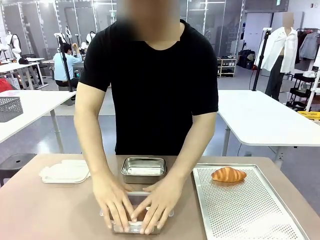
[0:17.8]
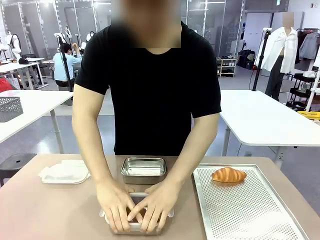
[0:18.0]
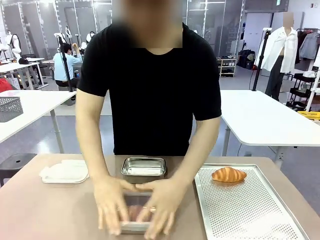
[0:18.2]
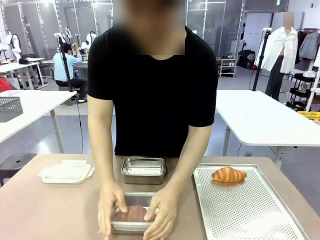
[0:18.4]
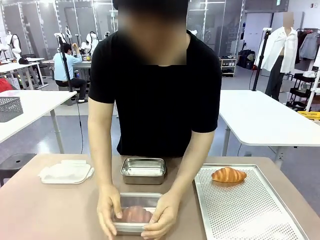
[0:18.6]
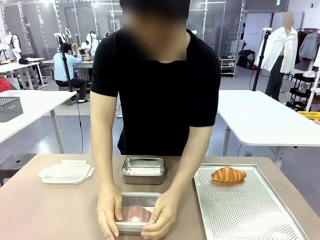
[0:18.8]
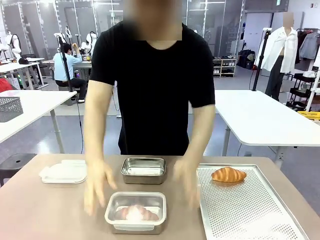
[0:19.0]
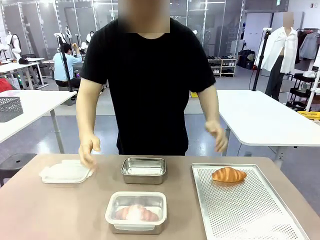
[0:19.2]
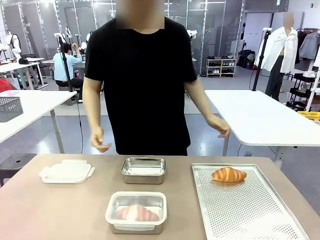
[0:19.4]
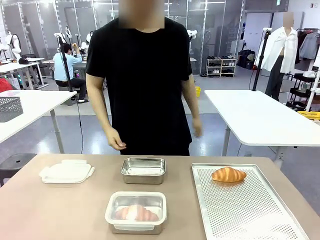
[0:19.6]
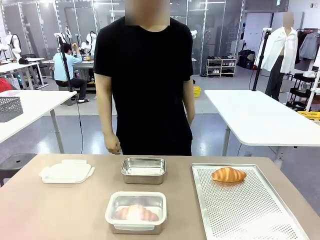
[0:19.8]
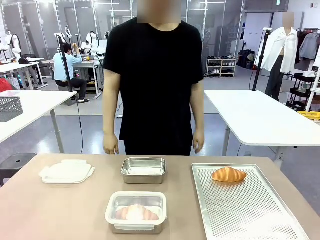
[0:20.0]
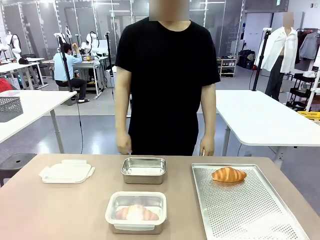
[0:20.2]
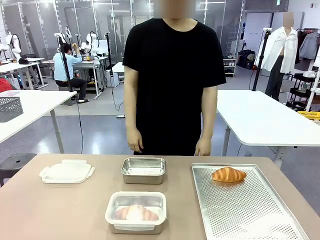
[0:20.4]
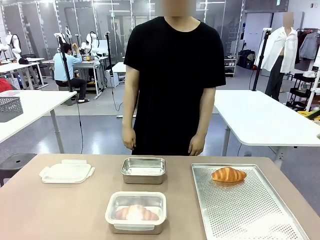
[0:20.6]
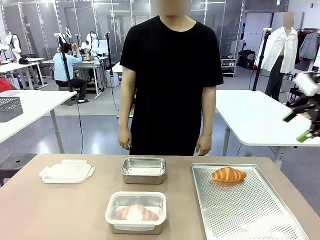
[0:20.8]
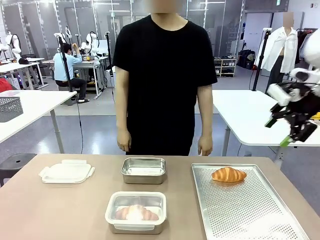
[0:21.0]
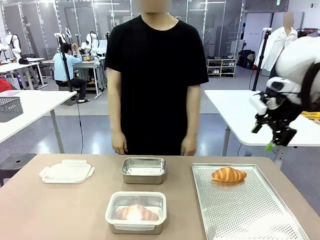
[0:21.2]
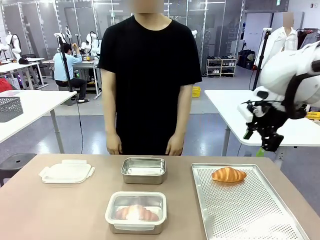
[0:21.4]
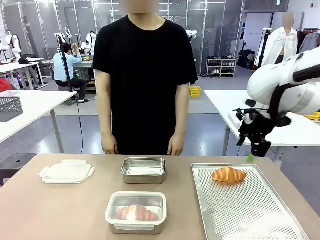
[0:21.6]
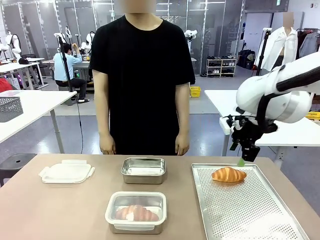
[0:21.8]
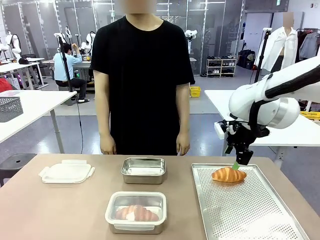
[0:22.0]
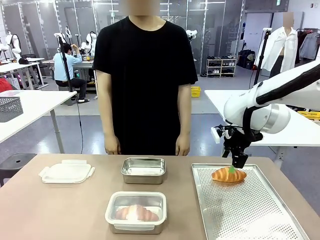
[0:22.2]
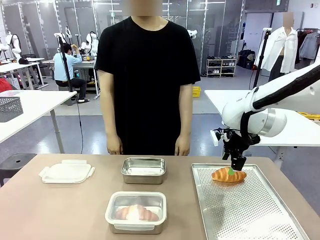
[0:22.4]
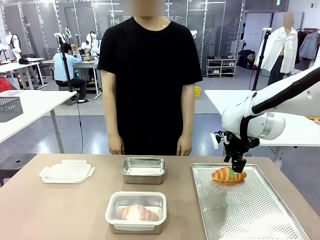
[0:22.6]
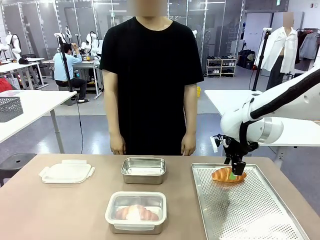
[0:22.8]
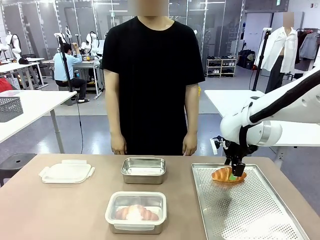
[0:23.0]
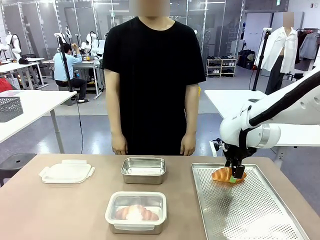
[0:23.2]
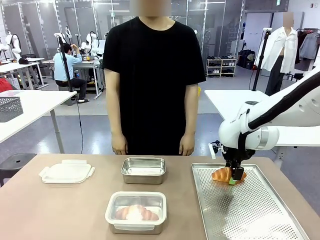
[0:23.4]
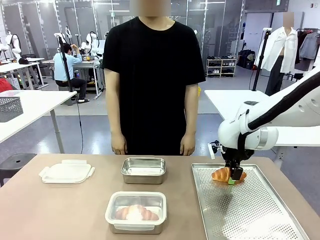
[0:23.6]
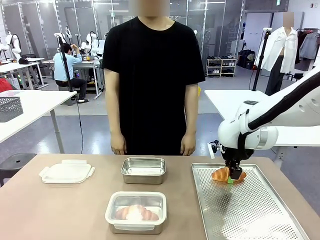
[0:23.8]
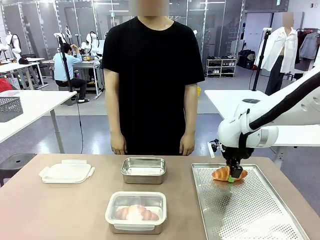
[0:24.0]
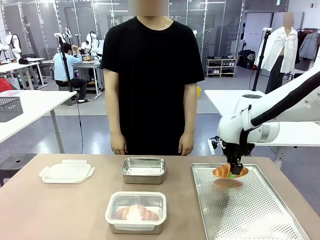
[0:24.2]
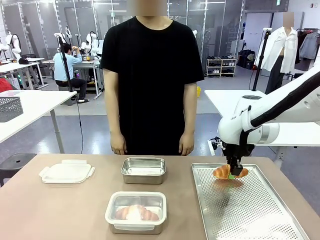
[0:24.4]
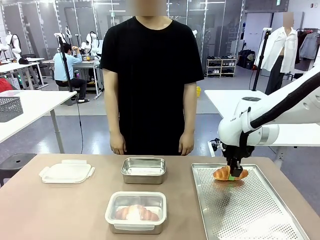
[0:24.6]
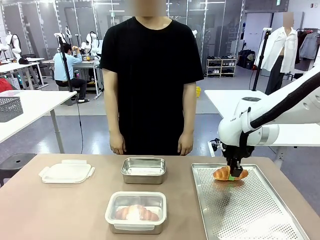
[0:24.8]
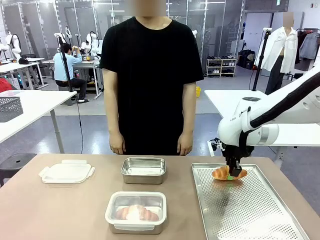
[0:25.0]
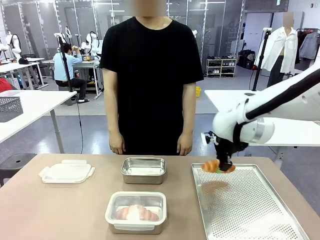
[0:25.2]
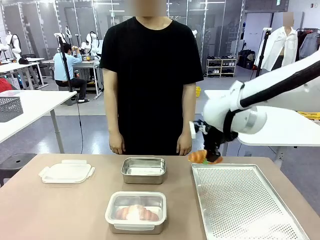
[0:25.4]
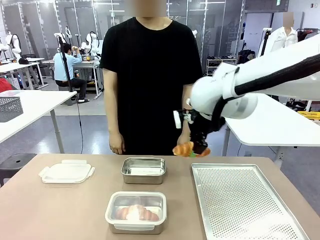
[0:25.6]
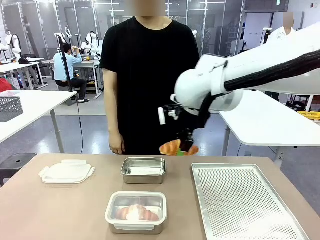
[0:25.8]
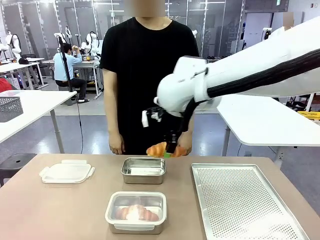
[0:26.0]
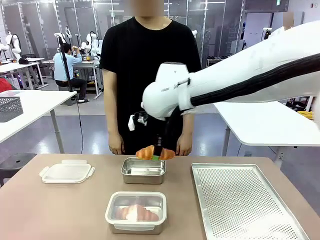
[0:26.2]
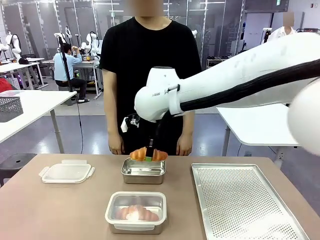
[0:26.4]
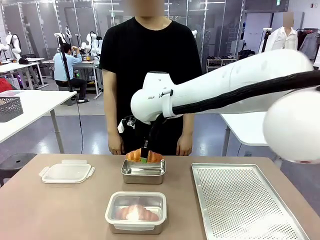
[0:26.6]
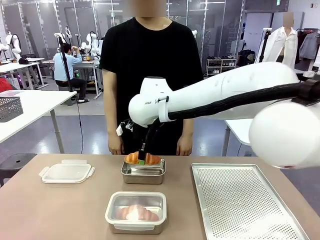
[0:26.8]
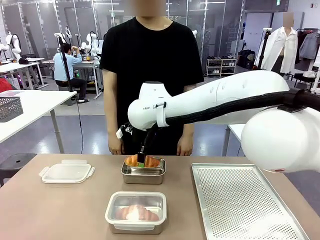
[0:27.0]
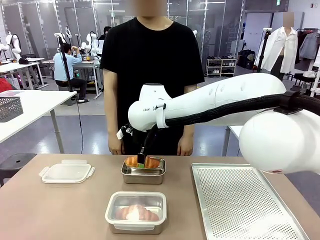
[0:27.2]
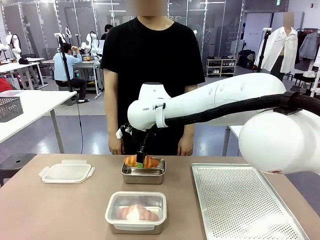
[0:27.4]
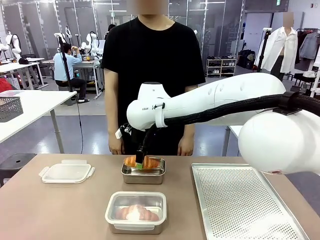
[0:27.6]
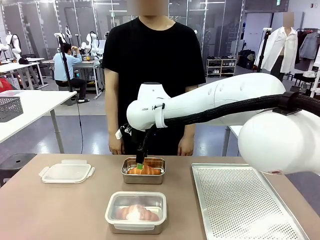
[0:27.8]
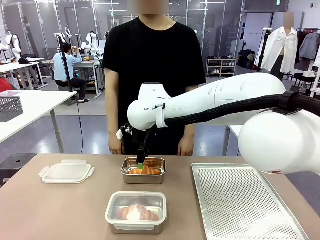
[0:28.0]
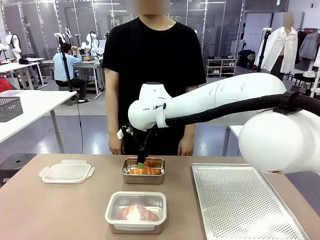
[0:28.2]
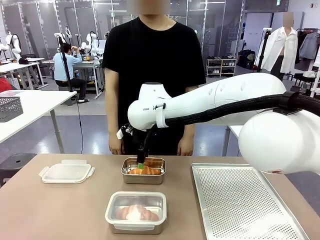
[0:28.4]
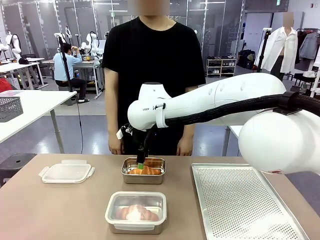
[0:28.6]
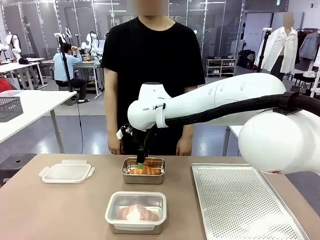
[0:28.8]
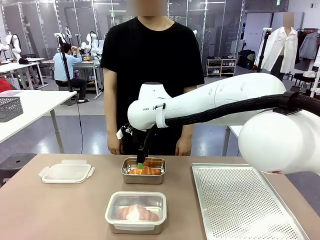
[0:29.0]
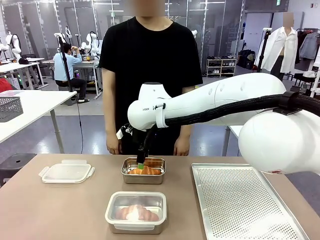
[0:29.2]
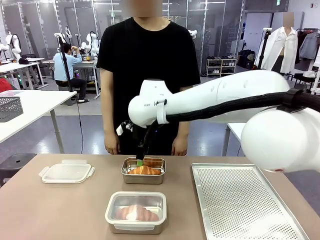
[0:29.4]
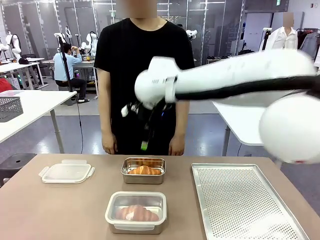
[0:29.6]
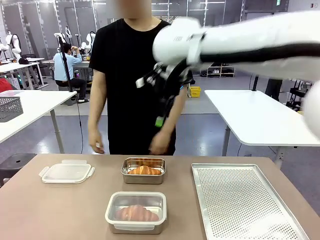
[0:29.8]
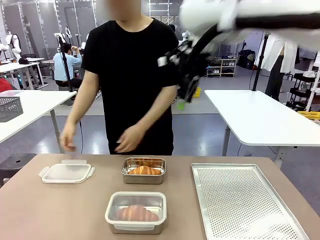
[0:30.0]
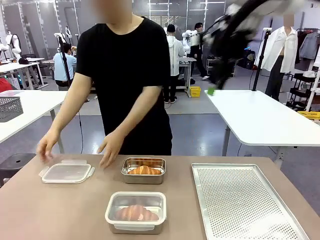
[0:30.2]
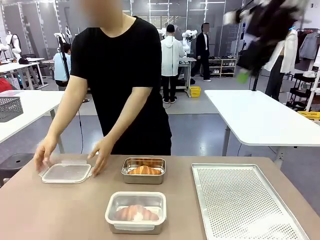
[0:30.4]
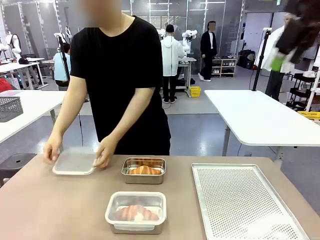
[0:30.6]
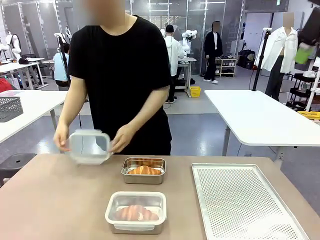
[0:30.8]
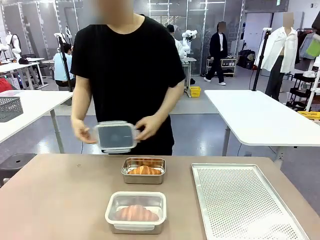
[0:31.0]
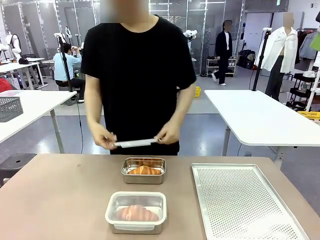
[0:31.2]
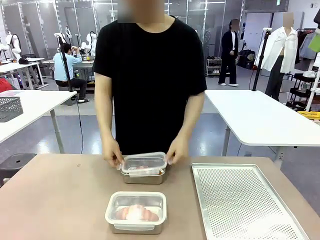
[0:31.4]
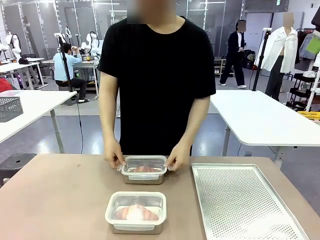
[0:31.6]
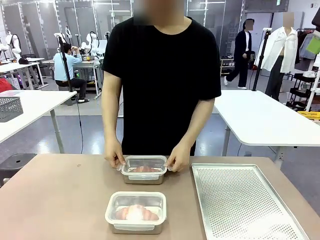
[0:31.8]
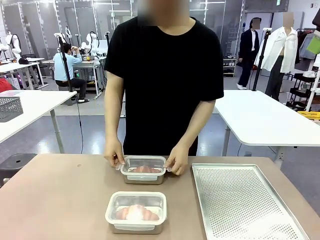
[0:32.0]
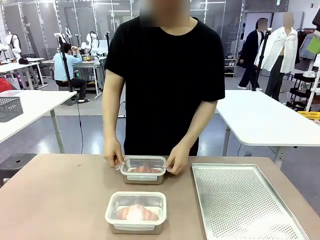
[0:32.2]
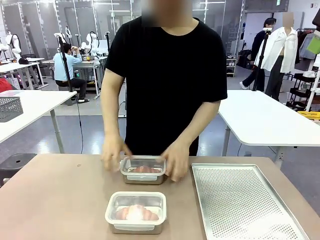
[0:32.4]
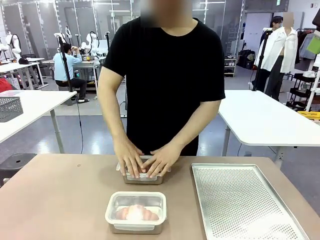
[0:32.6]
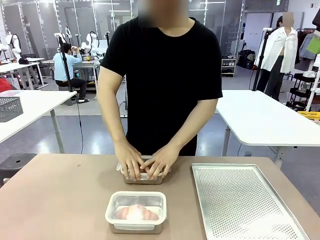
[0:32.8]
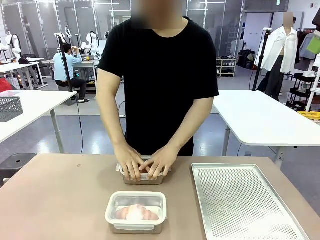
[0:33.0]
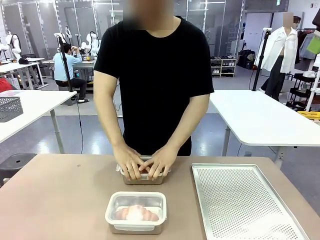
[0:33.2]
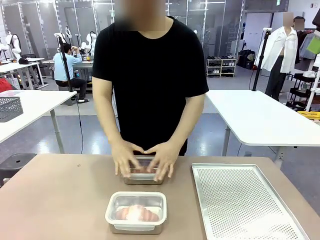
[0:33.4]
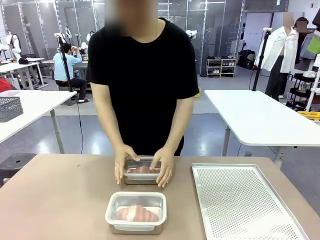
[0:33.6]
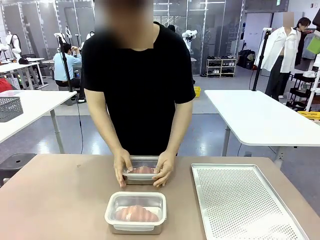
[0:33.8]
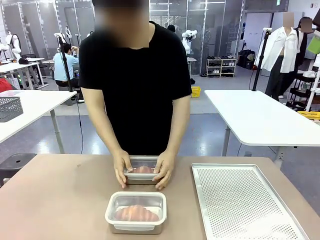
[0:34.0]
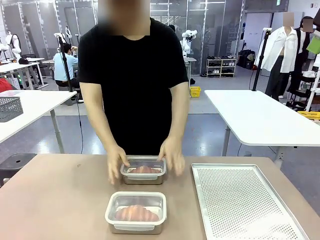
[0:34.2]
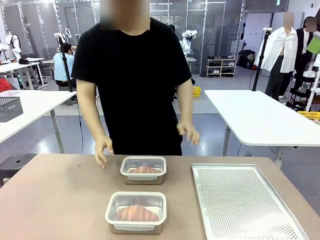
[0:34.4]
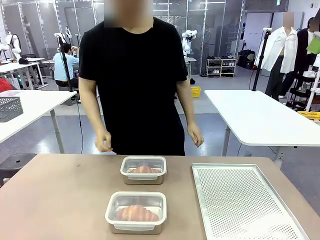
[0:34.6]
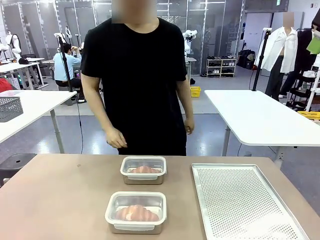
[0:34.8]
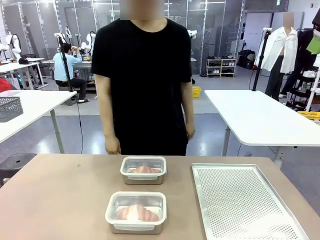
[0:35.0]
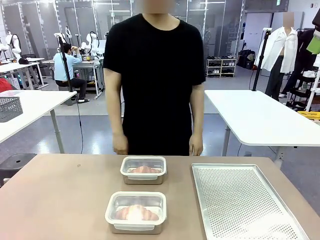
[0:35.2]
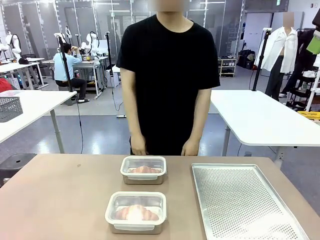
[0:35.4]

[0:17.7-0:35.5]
Task: Place the bread into the airtight container.
Robot: Pick up a Butter Roll and place it into an empty Airtight Container.
Person: Once a Butter Roll is inside an Airtight Container , close the lid of that Airtight Container.

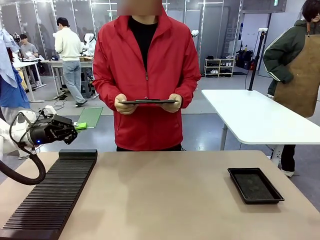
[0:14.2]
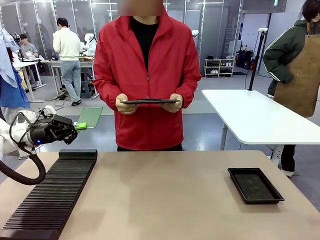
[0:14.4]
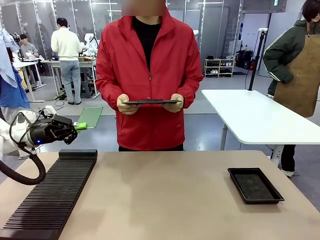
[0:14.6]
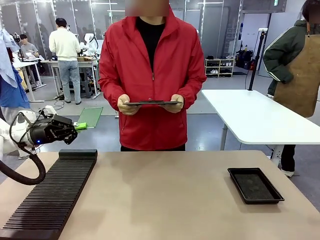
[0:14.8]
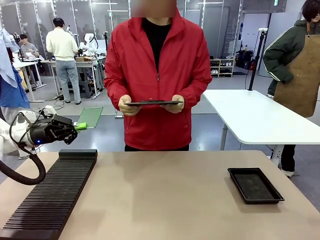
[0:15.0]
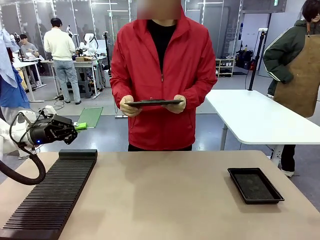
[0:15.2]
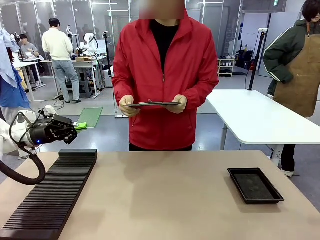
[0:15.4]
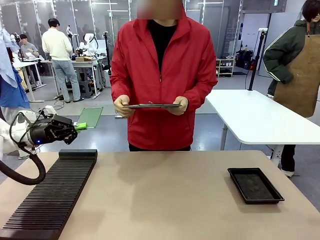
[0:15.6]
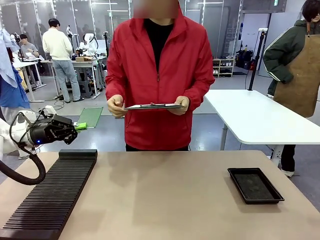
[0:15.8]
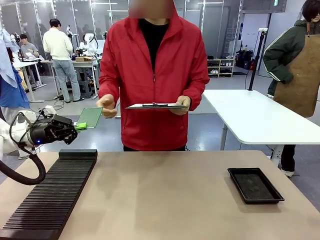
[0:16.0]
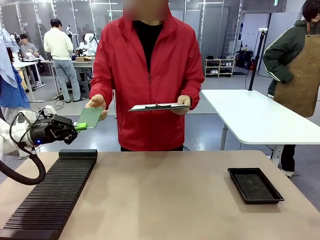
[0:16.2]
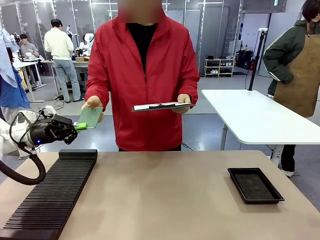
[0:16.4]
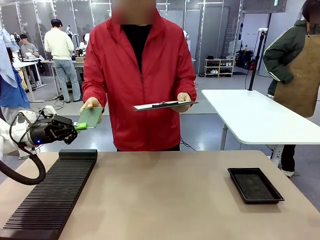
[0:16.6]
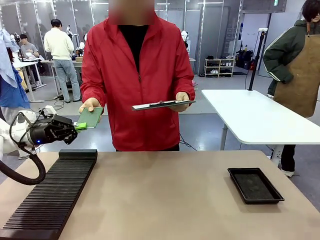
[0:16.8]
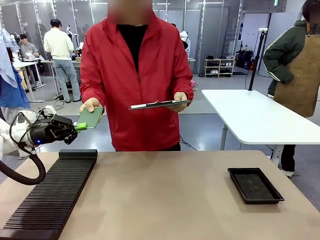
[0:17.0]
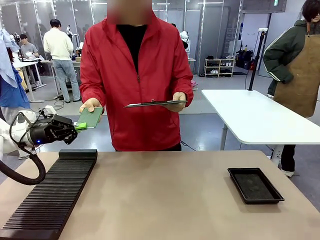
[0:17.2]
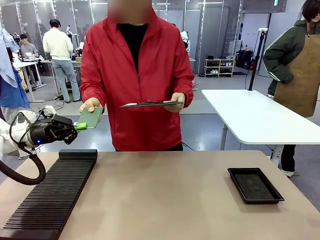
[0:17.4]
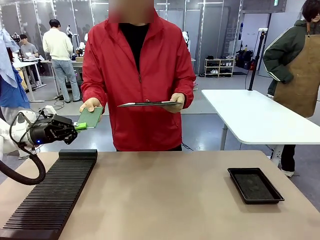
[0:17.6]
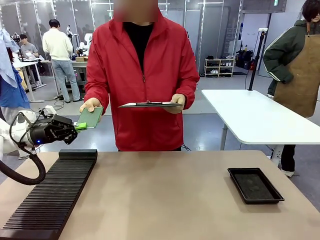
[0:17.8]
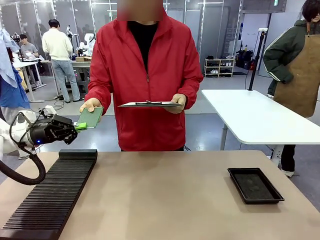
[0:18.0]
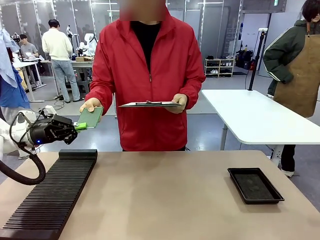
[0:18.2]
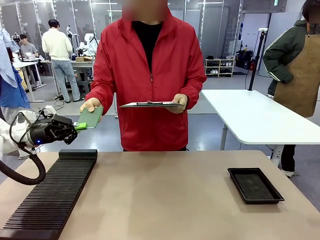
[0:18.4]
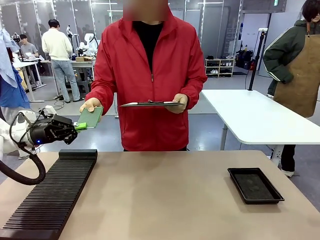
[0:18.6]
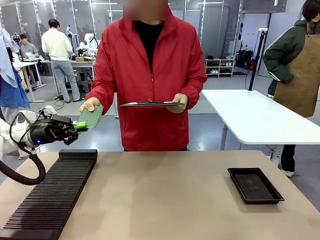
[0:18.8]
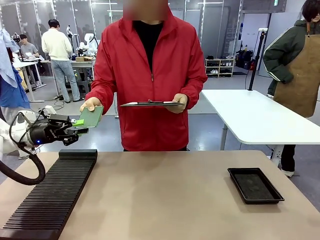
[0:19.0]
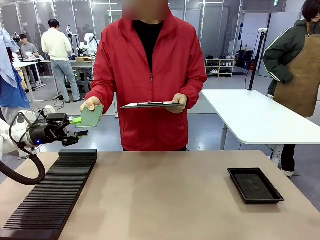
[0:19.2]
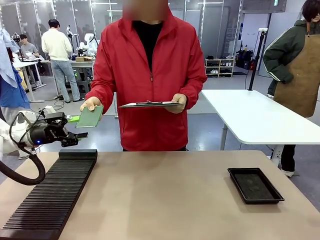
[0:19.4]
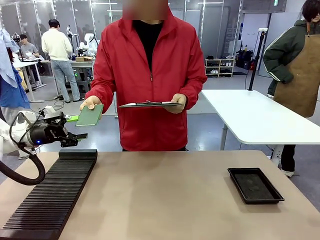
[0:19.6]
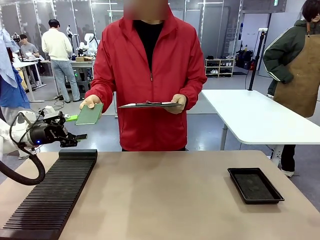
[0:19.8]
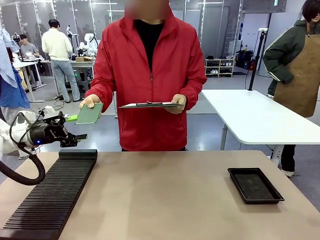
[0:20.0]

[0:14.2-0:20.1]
Task: Inspect the PCB.
Robot: Release the Blank PCB you were holding.
